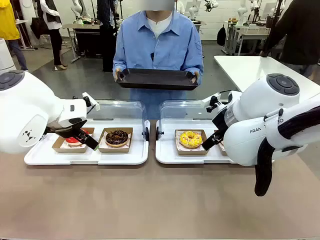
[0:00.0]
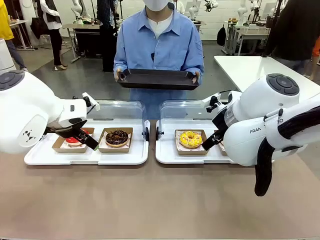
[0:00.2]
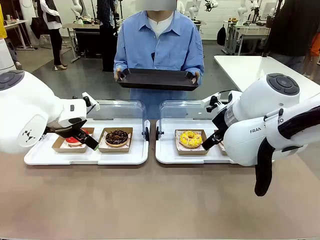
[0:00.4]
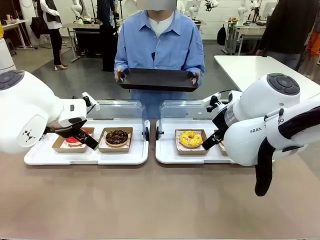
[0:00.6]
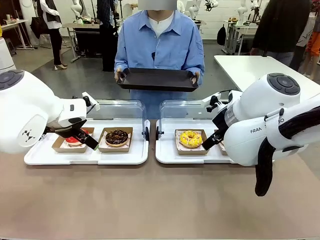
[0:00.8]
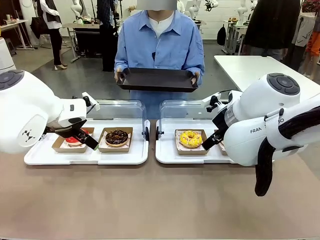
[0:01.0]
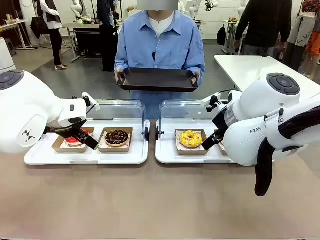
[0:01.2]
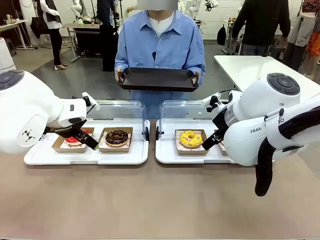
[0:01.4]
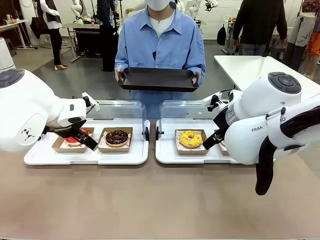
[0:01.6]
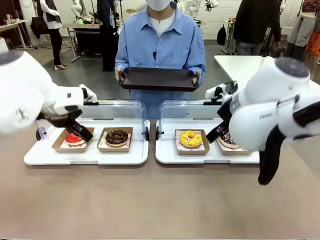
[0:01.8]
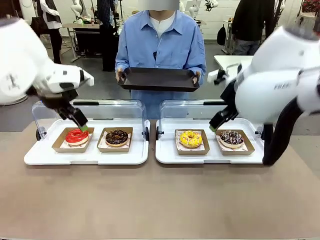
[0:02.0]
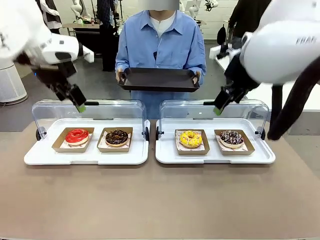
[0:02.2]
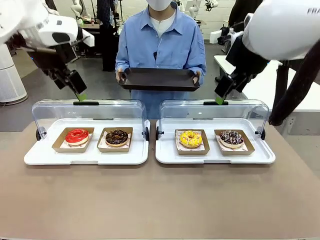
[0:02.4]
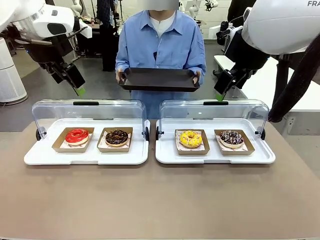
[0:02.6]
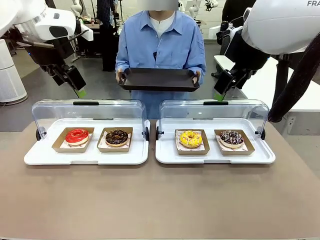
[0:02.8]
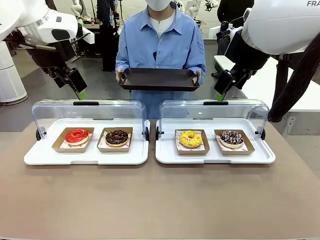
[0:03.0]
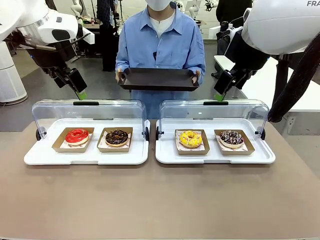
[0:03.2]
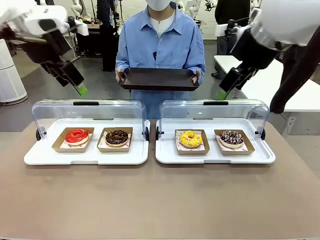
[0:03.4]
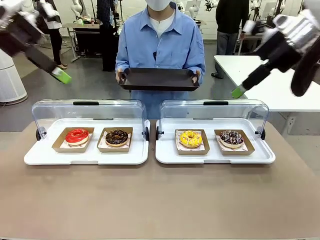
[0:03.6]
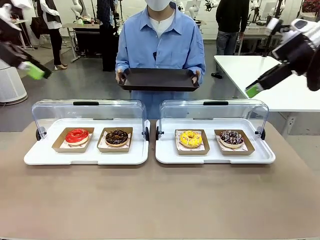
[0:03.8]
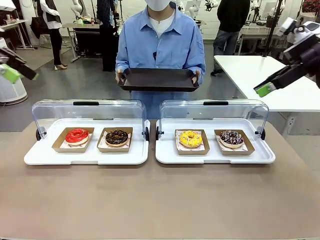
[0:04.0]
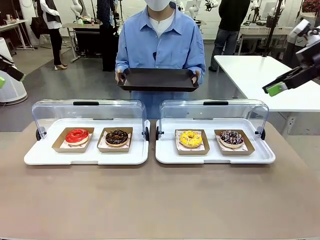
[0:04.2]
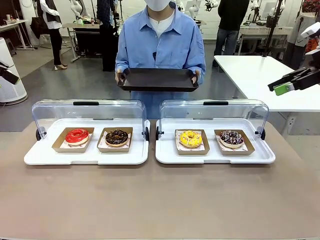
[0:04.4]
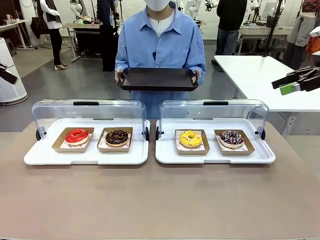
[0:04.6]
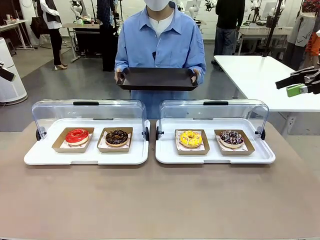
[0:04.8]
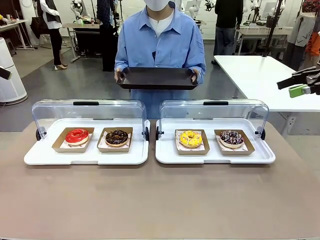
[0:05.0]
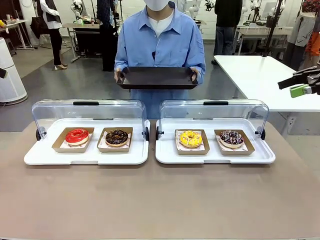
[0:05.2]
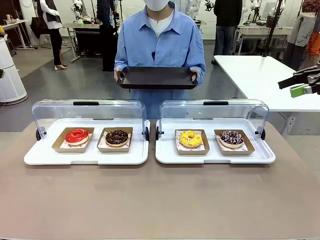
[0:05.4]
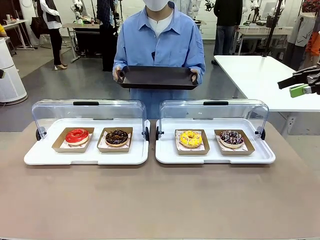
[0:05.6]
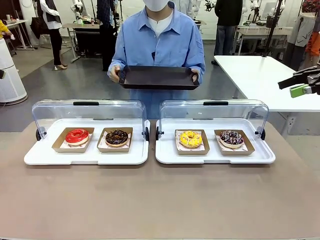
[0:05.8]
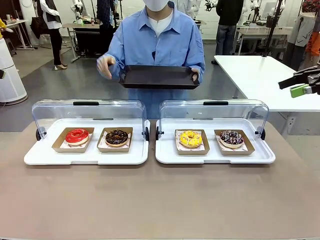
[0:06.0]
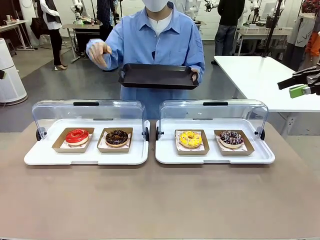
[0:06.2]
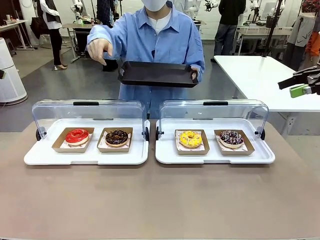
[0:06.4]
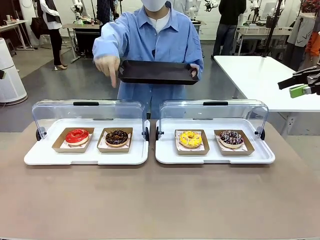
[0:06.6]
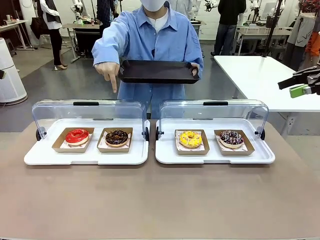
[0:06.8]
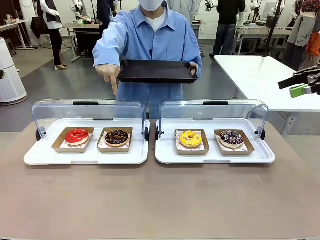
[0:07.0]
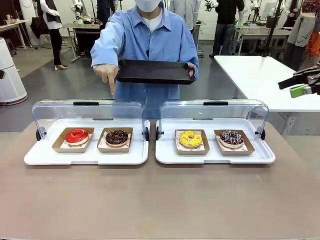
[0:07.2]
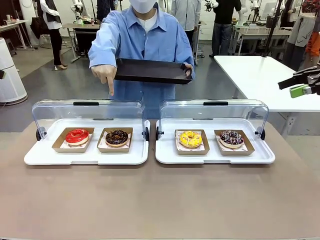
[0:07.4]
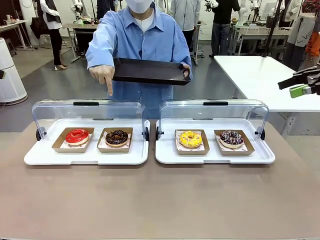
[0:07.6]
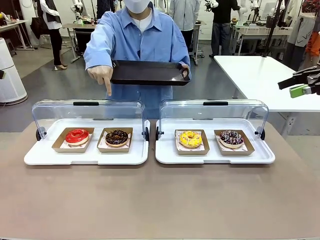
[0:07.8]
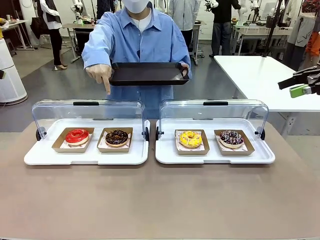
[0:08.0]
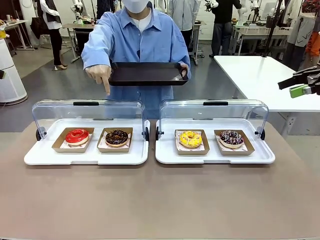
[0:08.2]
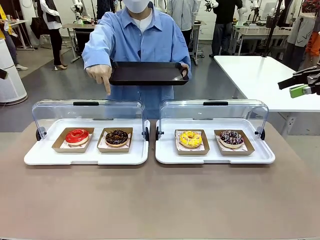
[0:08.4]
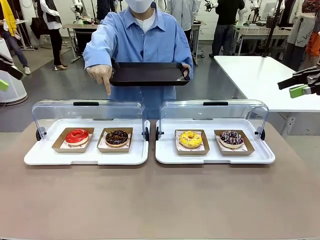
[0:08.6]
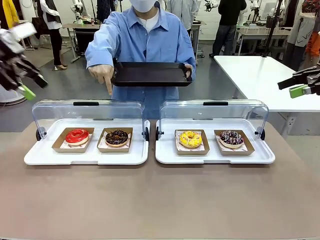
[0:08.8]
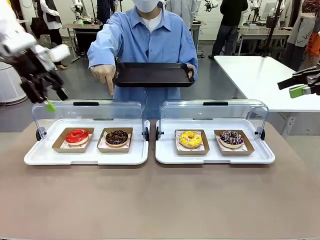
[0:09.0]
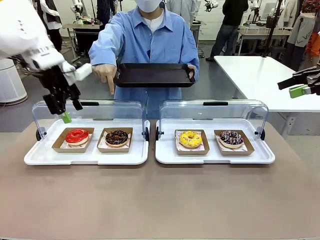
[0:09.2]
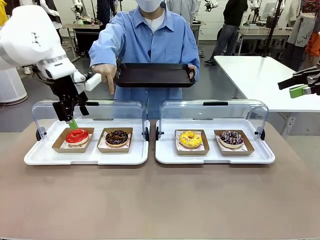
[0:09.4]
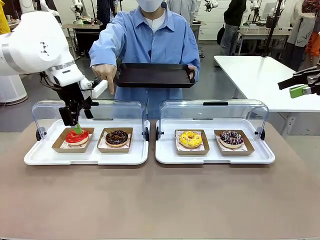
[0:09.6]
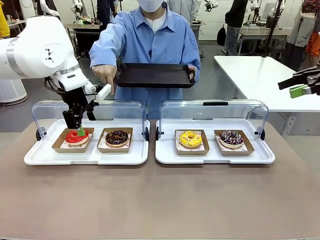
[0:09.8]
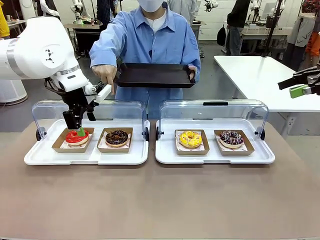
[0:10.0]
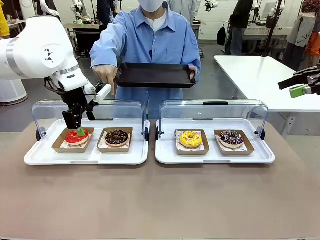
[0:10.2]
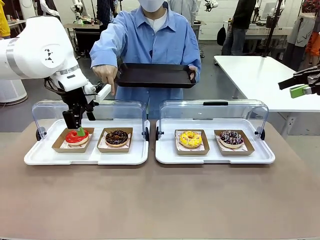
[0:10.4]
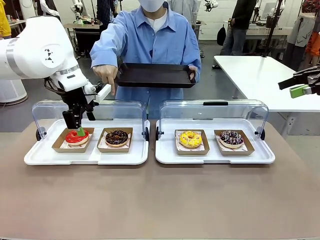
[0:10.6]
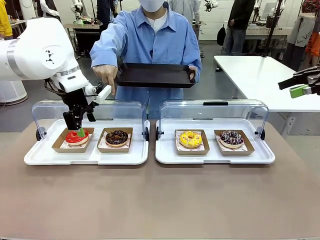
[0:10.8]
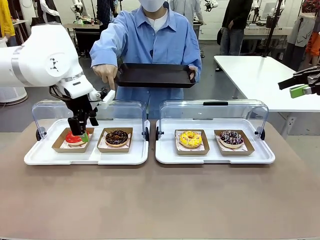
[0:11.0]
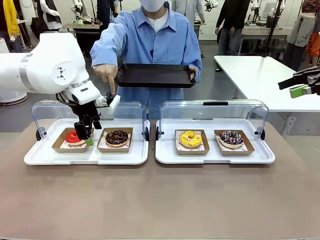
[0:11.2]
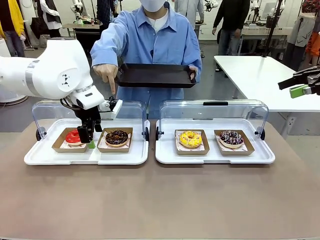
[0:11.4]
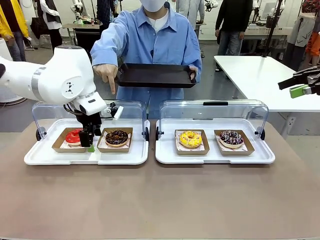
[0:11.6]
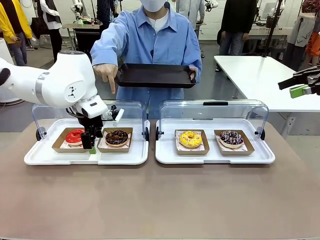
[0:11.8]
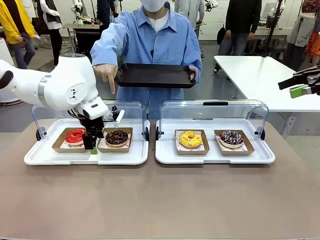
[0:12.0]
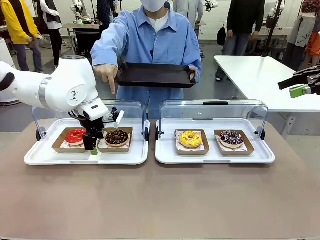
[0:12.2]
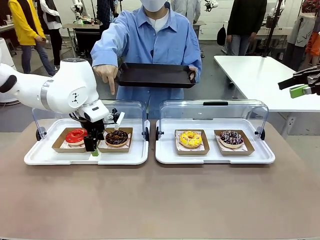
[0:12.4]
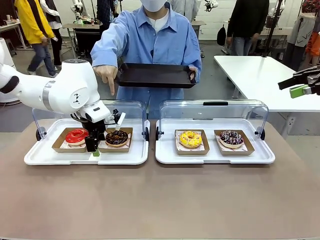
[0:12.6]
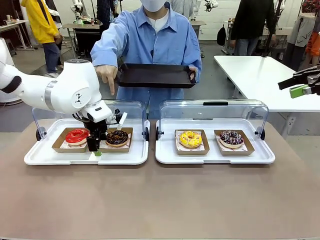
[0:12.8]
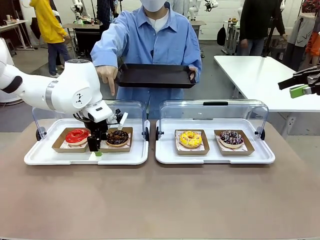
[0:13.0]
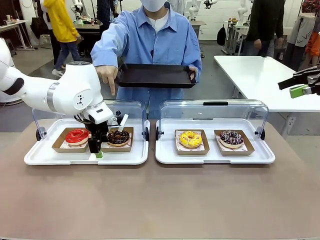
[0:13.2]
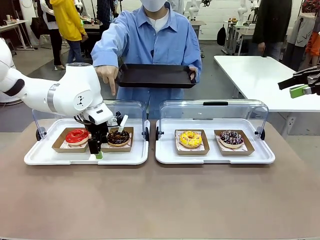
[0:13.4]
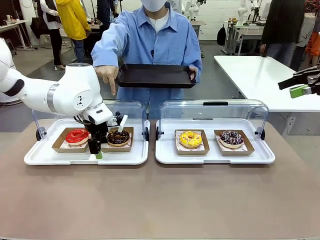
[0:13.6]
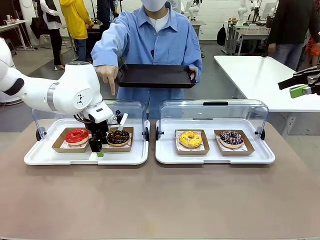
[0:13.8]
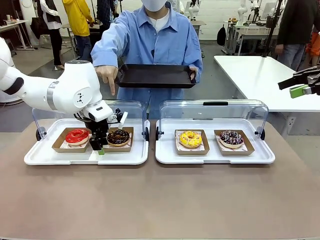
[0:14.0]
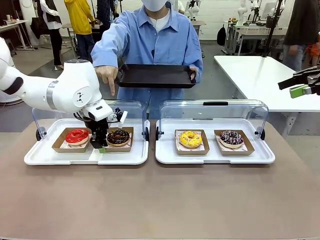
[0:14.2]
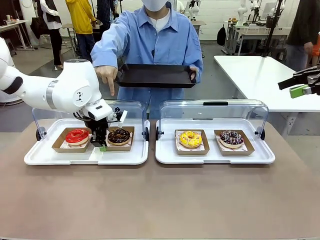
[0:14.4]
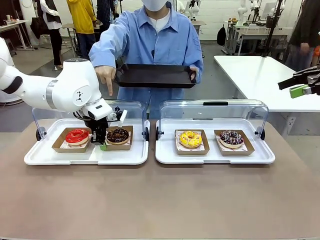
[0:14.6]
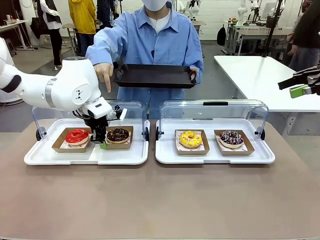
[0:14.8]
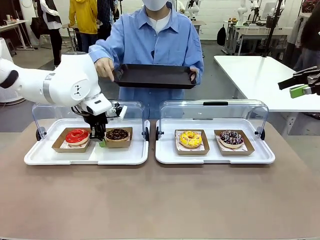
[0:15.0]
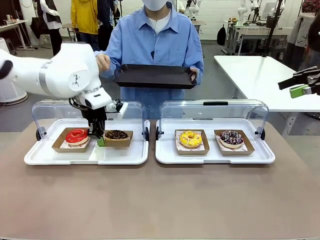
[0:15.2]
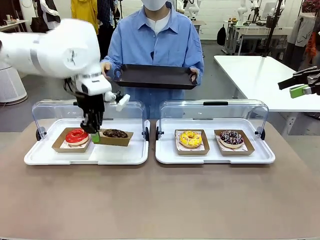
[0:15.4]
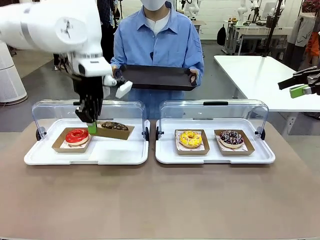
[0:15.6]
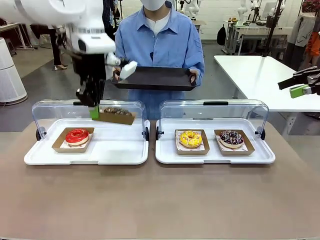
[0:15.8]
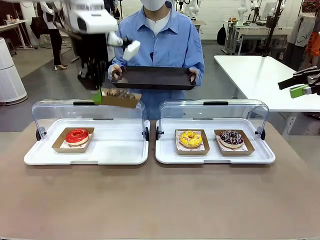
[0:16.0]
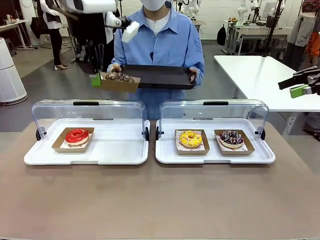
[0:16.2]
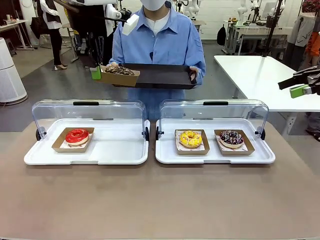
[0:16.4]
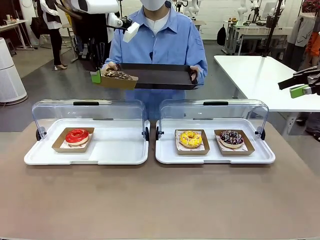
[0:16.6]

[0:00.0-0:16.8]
Task: Provide the desired donut to the person.
Robot: Pick up and lift the Paper togo box containing the Donut pointed at by the person.
Person: Point to one donut. Lift the tray onto the Roll-Top Bakery Case.

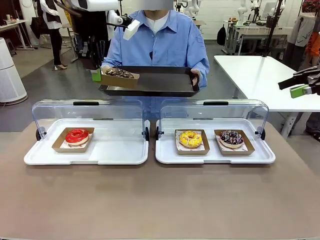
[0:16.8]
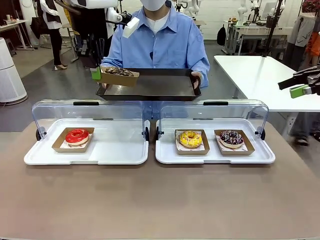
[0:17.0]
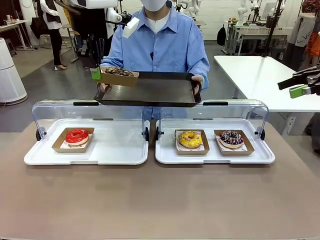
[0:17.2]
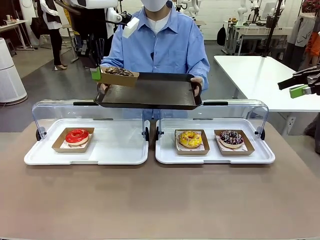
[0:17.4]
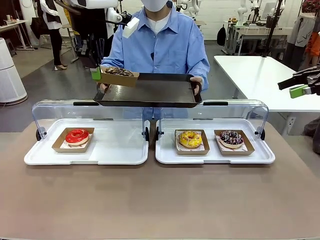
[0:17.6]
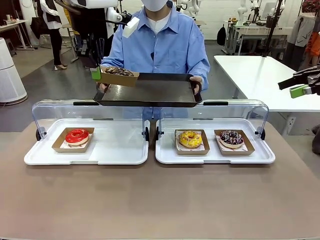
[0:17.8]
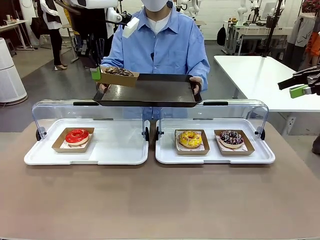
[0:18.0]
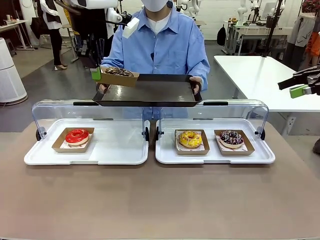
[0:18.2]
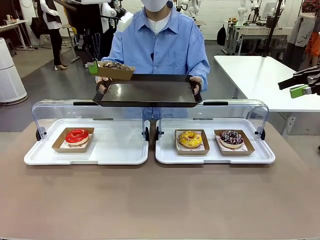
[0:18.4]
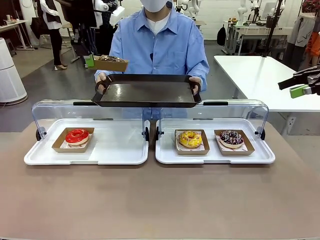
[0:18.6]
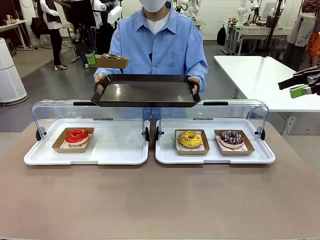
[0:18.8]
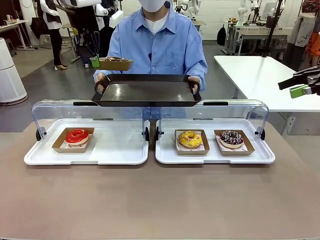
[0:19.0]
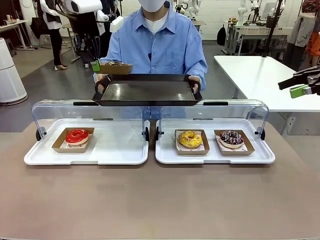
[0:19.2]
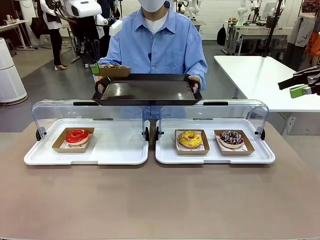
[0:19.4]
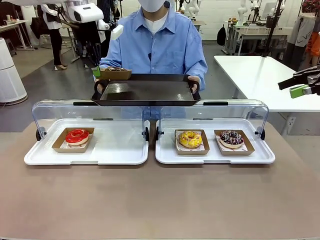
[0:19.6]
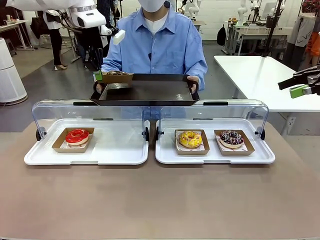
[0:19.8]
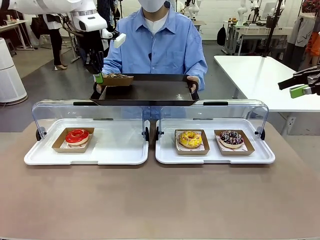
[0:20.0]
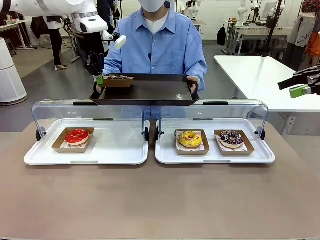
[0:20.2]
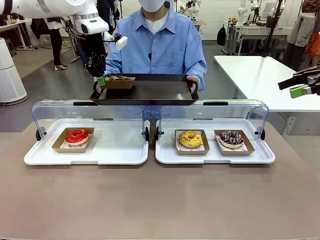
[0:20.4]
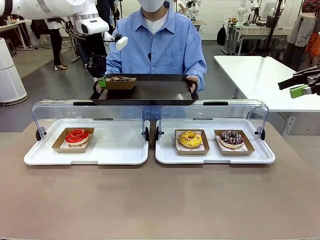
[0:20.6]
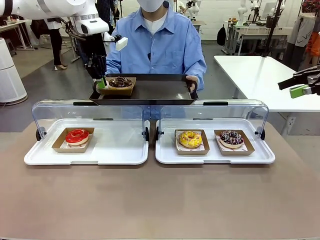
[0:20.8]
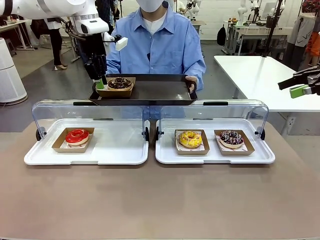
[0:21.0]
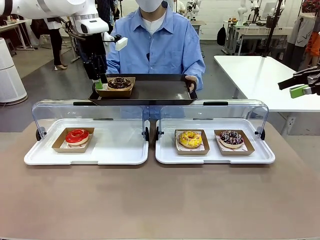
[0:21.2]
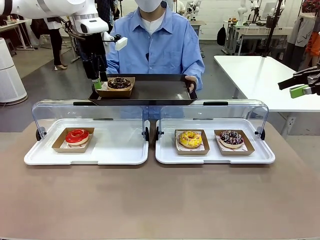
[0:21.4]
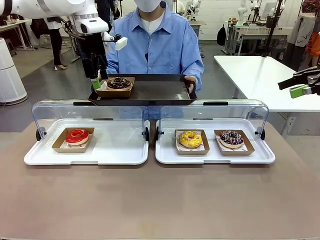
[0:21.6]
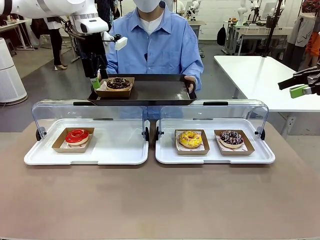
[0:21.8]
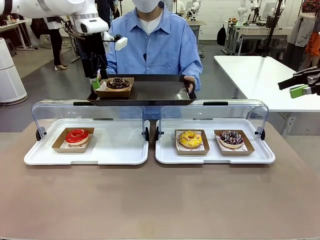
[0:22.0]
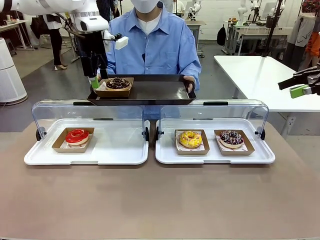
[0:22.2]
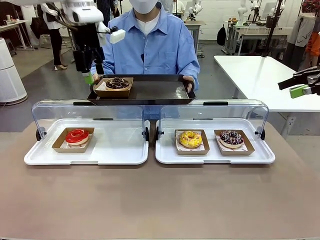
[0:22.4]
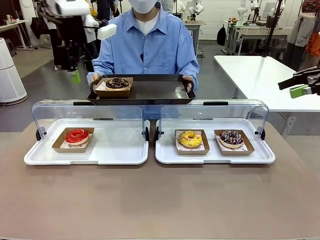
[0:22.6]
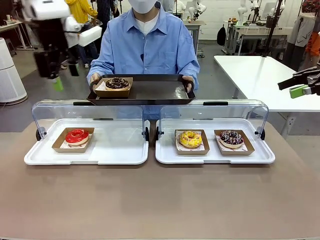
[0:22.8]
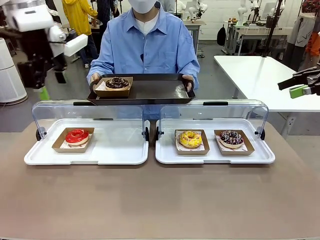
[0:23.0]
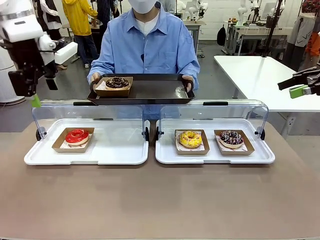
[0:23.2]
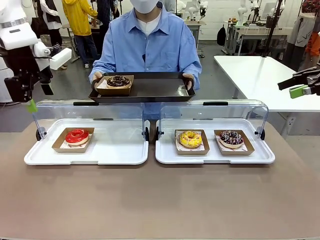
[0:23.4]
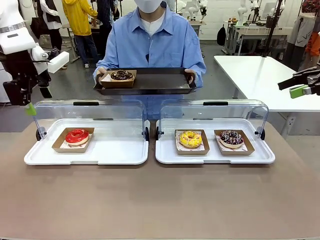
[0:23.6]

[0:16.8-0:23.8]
Robot: Place the picked Paper togo box onto the Handle tray extended by the person.
